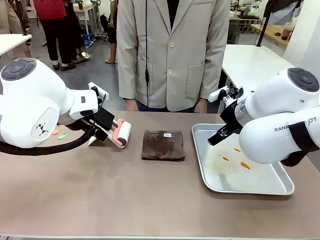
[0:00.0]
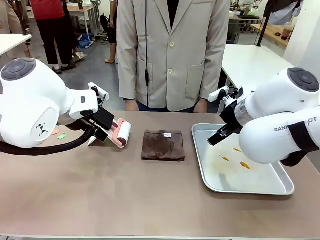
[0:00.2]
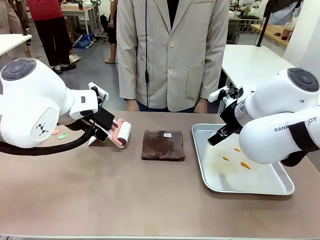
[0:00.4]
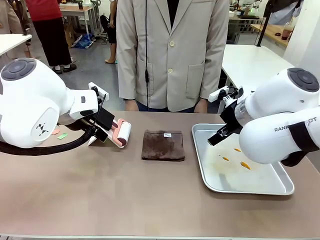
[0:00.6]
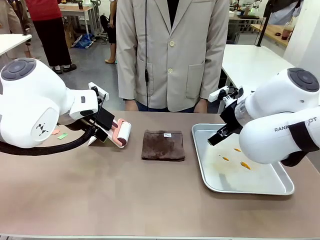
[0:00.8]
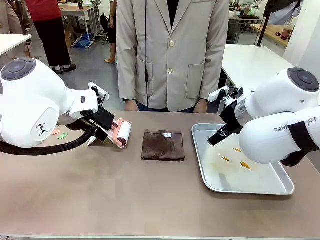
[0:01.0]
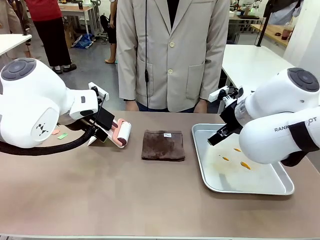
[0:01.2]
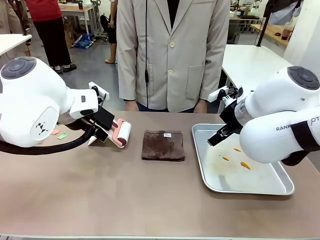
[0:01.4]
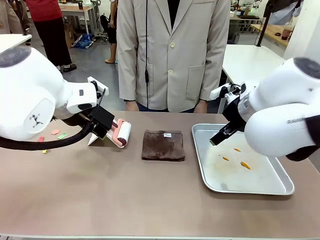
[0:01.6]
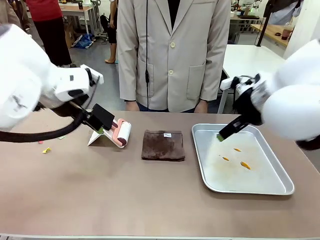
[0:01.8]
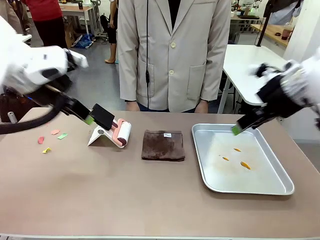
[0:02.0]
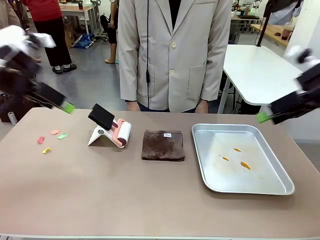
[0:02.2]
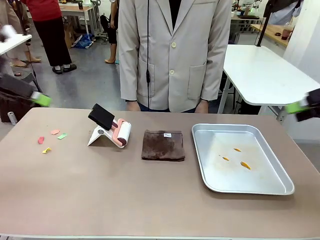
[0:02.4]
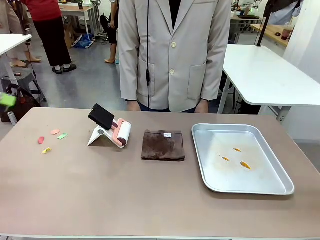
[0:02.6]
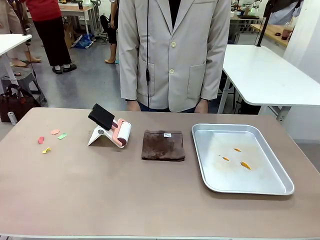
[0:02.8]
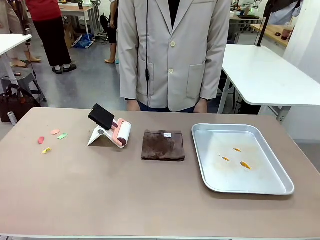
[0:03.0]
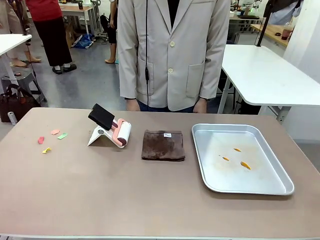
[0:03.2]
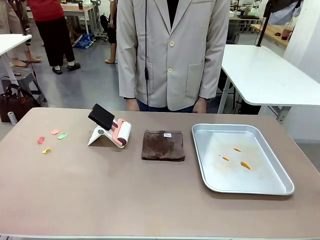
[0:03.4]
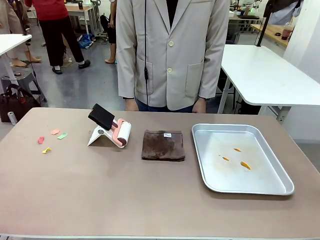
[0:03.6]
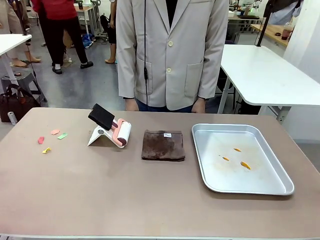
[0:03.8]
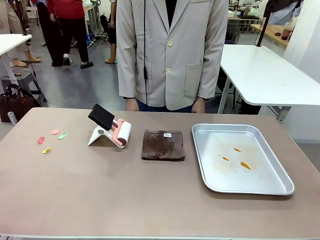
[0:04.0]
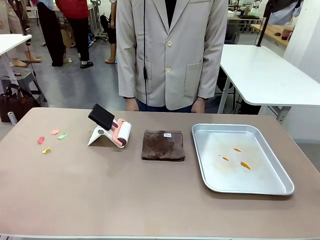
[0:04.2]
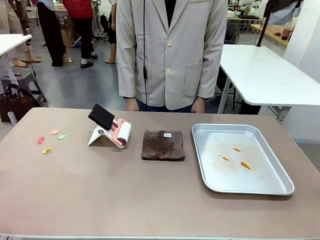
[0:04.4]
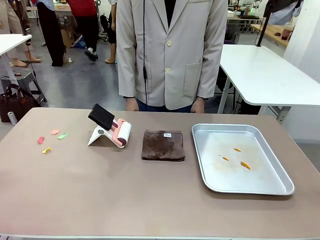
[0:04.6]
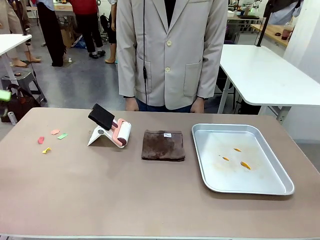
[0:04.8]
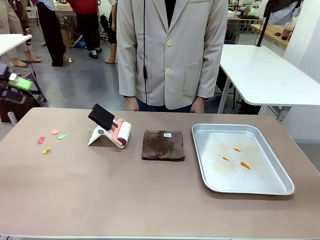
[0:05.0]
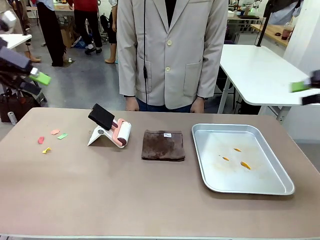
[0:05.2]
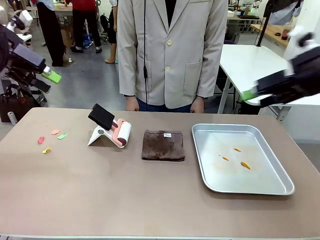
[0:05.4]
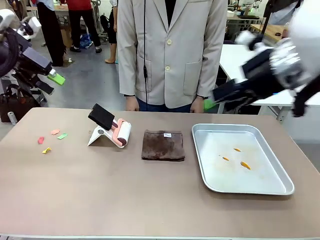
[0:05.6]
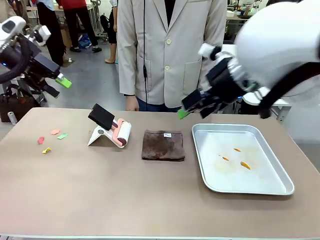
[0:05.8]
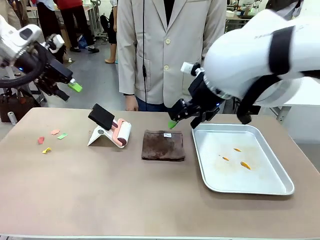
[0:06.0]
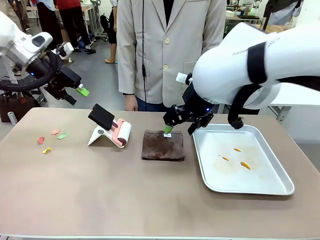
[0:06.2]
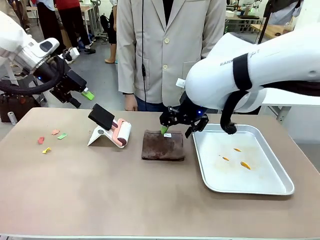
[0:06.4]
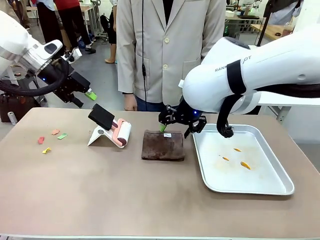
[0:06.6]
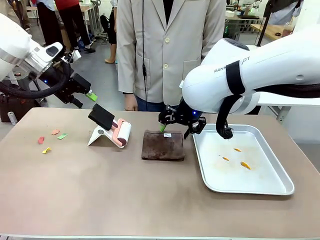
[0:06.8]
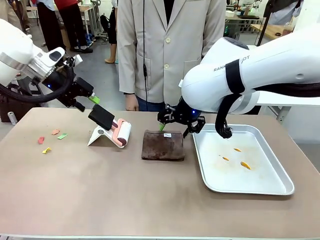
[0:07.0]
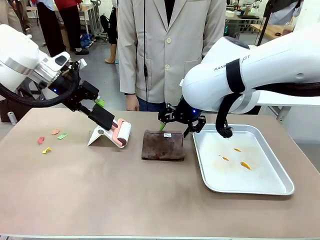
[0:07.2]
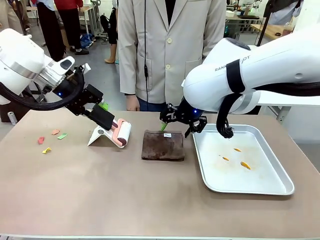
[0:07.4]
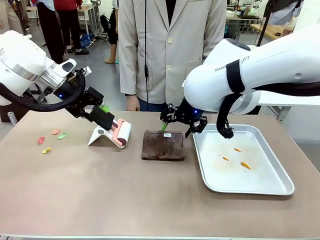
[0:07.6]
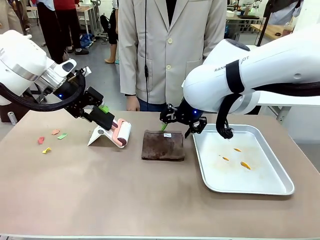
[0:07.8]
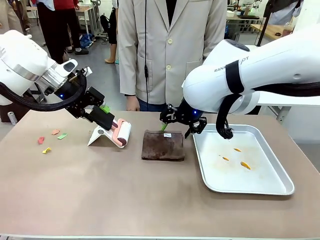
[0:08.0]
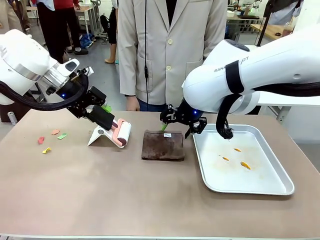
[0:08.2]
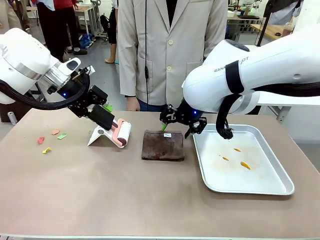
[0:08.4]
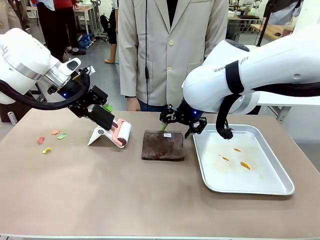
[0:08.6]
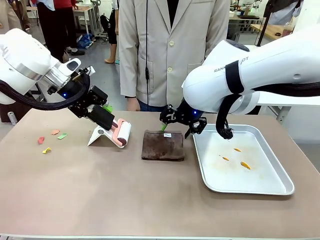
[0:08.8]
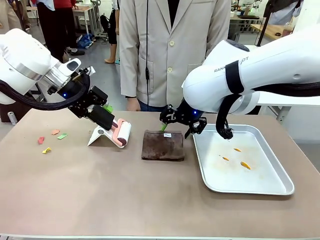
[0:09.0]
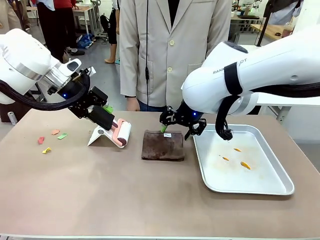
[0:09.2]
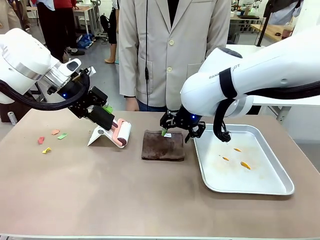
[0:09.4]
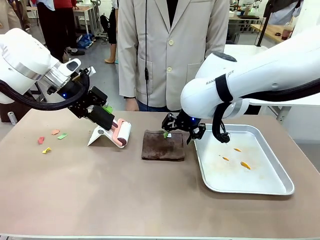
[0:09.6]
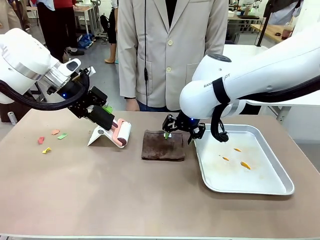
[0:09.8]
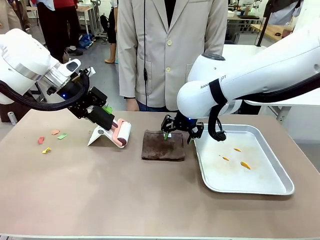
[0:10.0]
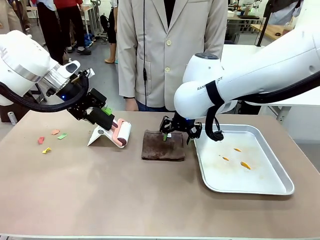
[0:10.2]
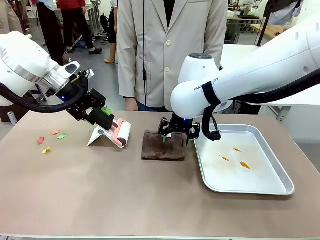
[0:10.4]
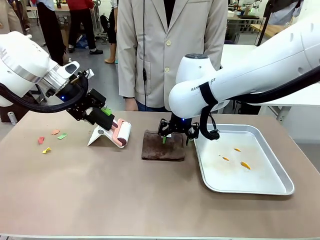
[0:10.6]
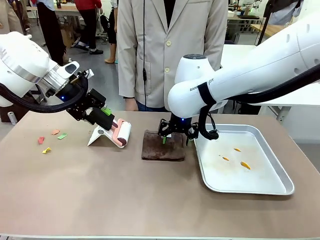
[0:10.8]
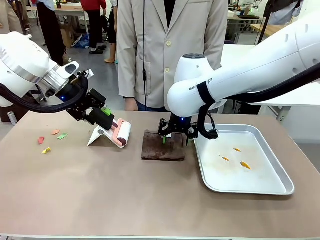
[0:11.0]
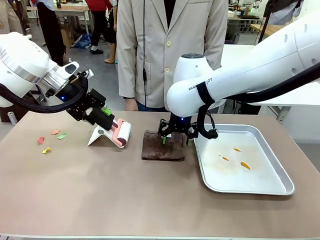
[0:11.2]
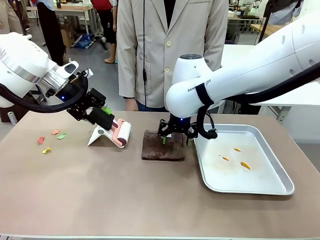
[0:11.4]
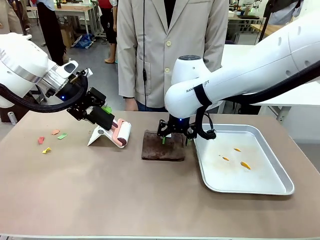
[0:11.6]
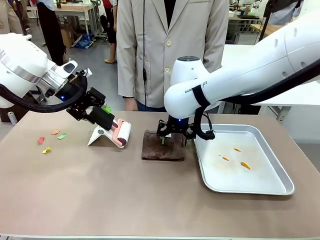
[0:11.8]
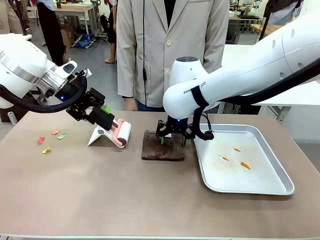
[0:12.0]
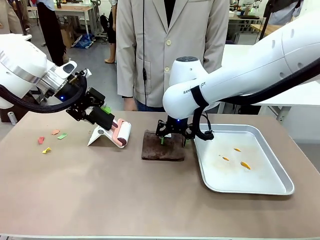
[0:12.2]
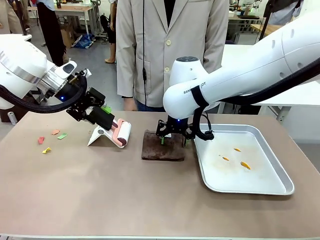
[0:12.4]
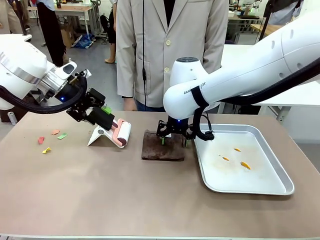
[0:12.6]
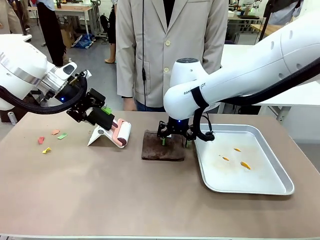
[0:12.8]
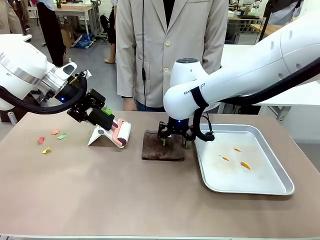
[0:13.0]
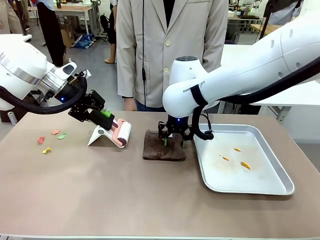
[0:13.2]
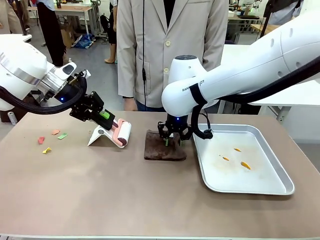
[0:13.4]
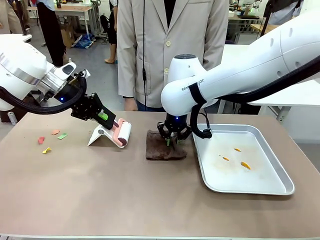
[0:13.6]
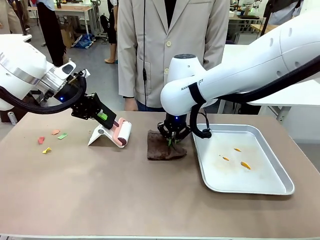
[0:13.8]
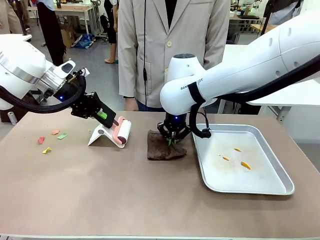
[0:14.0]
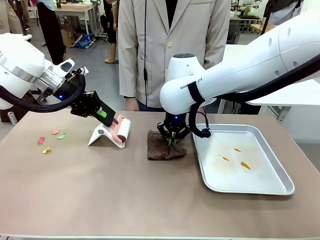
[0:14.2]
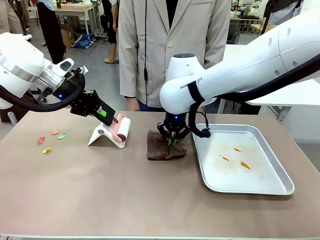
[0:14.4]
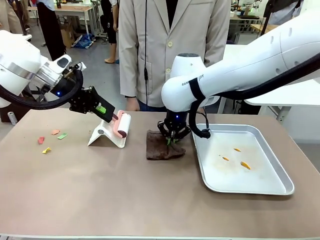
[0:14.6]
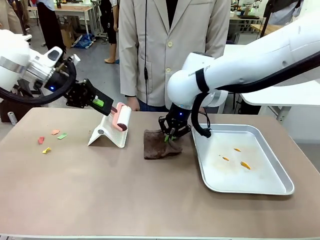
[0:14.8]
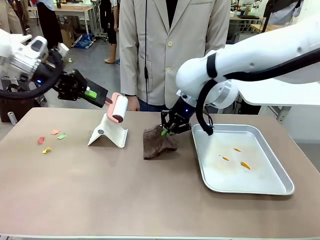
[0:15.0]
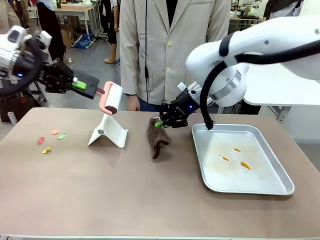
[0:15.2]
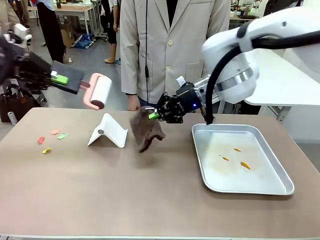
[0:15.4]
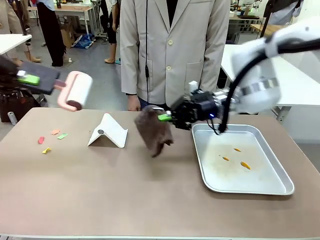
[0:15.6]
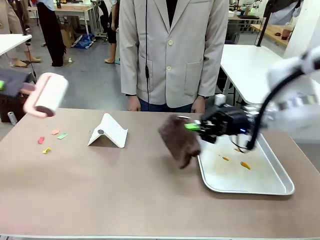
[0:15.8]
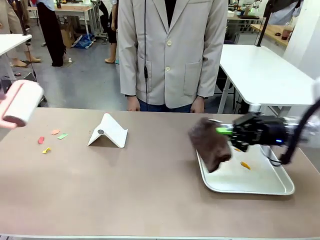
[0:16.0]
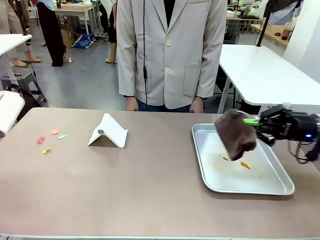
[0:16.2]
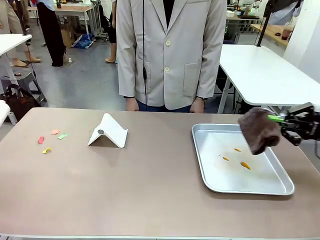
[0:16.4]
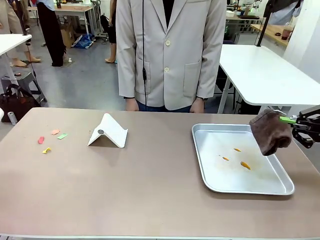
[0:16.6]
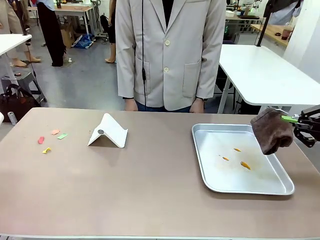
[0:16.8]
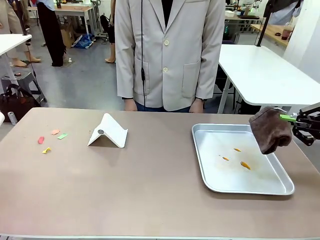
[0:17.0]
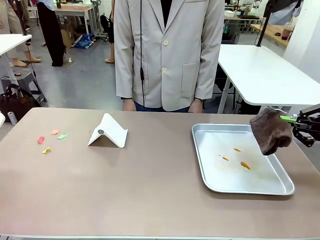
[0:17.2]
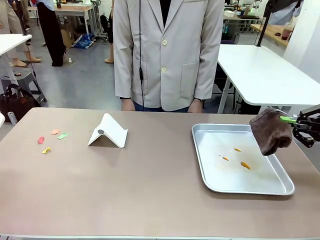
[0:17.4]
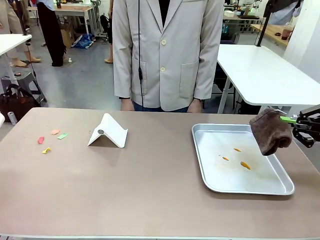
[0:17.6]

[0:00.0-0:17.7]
Task: Clean the surface of the table.
Robot: Hold the Lint Roller with your left hand and the towel with your right hand.
